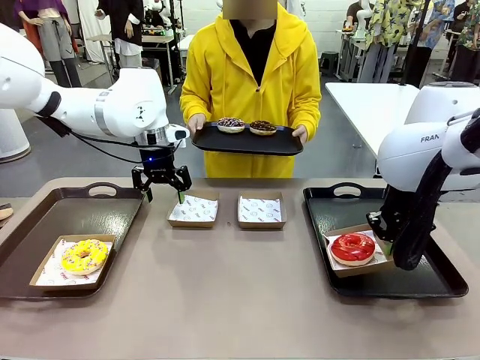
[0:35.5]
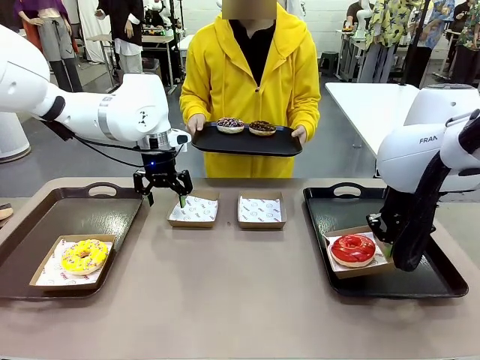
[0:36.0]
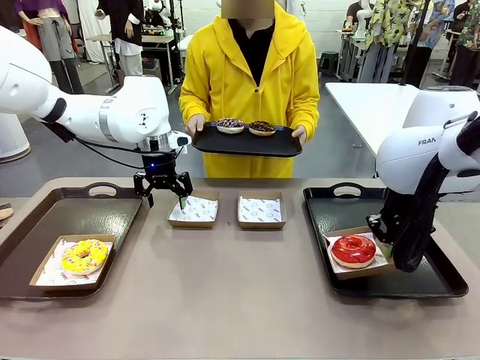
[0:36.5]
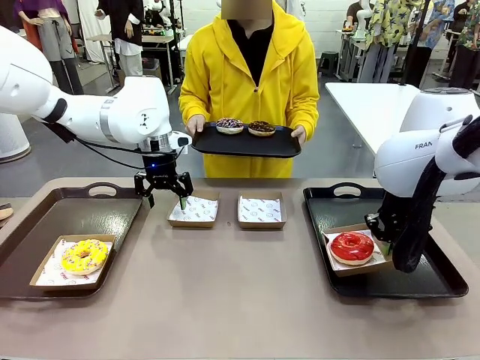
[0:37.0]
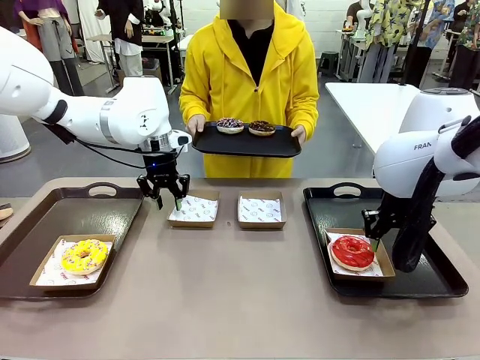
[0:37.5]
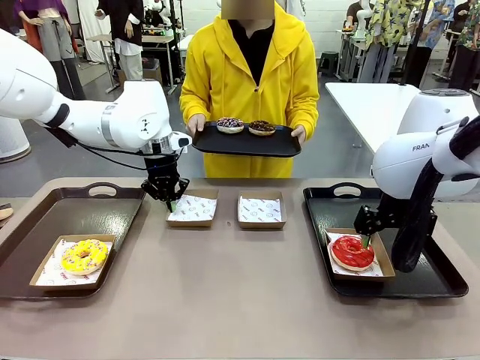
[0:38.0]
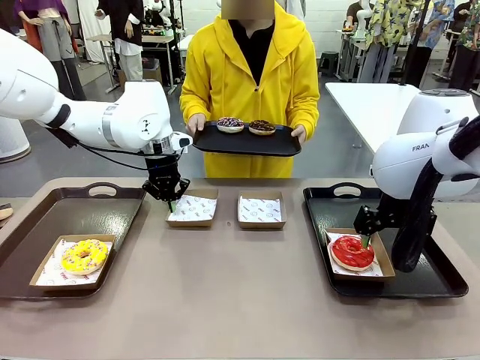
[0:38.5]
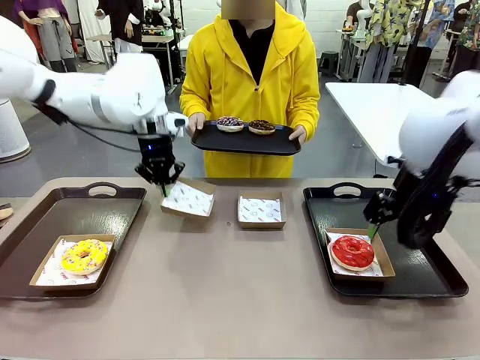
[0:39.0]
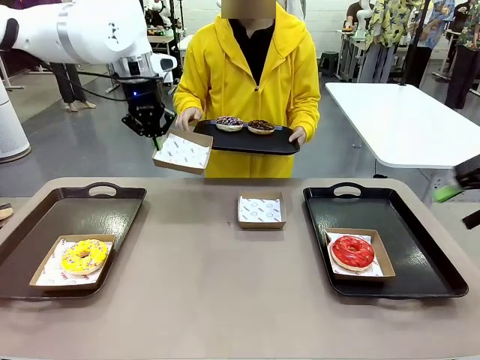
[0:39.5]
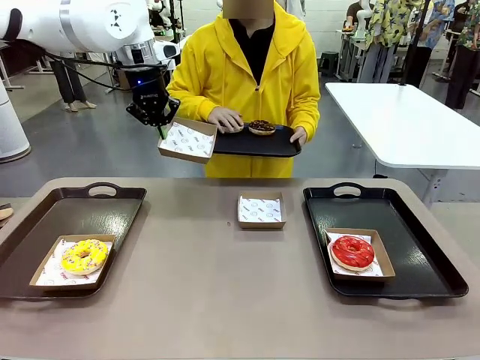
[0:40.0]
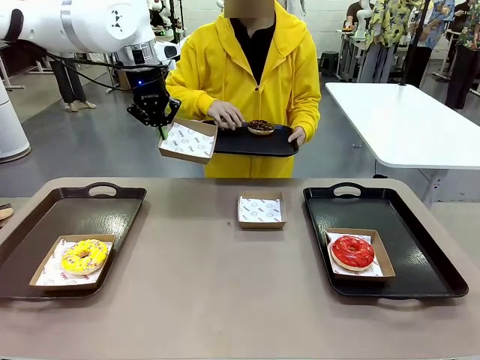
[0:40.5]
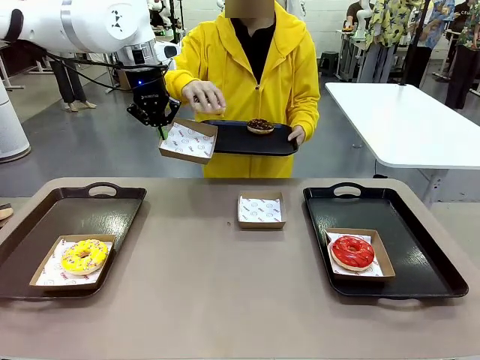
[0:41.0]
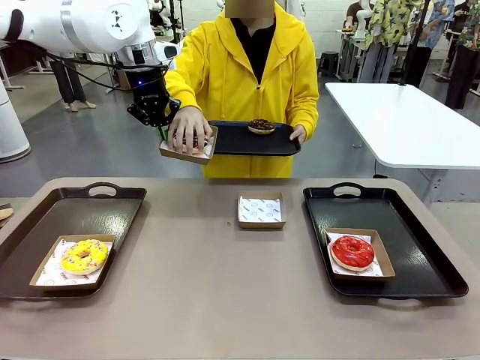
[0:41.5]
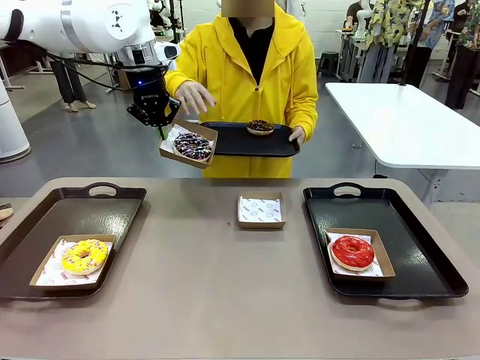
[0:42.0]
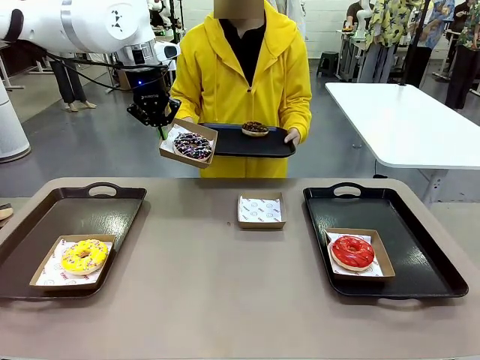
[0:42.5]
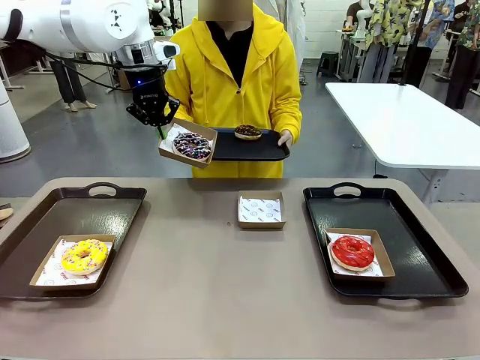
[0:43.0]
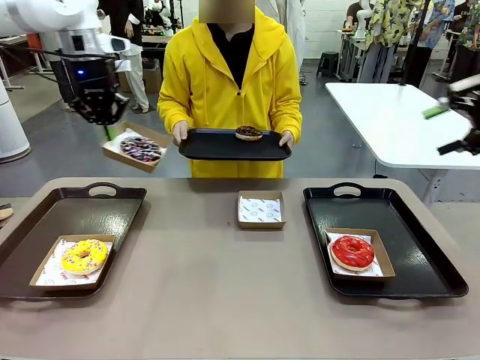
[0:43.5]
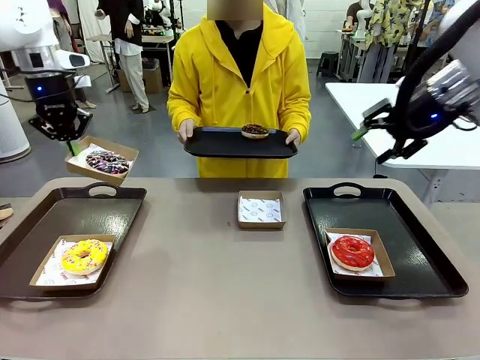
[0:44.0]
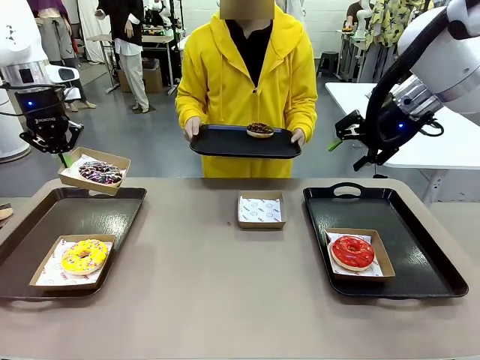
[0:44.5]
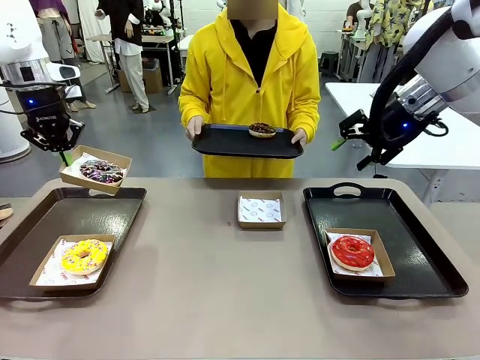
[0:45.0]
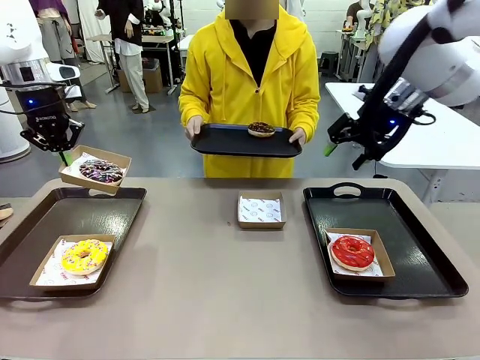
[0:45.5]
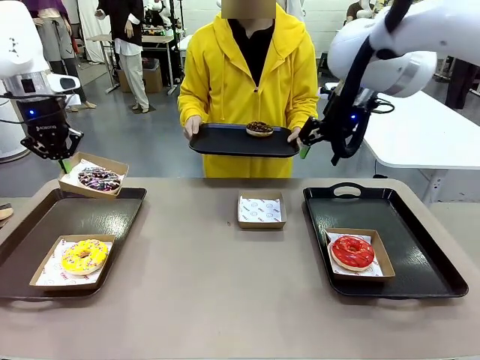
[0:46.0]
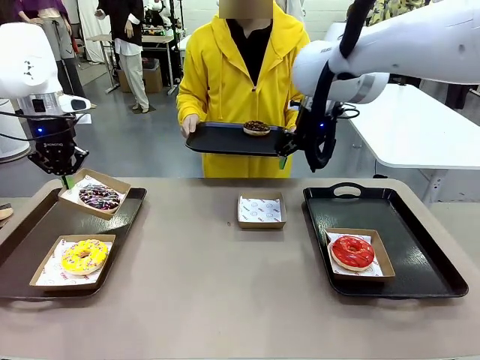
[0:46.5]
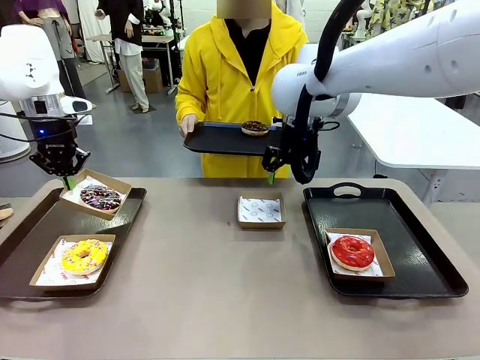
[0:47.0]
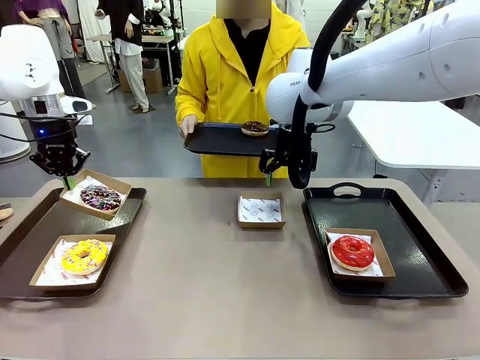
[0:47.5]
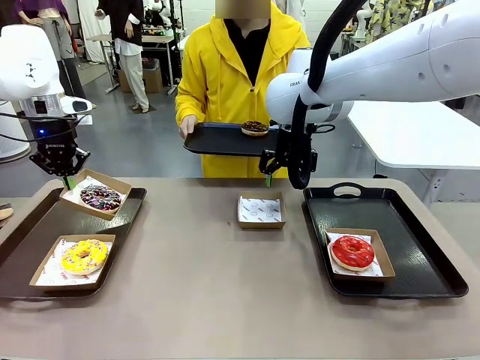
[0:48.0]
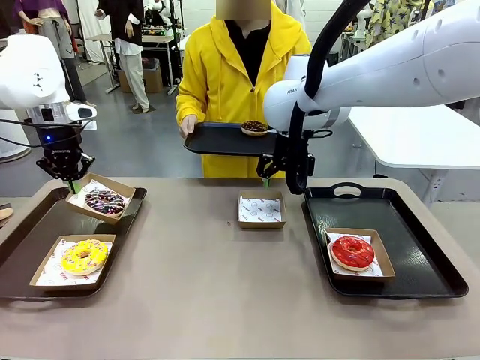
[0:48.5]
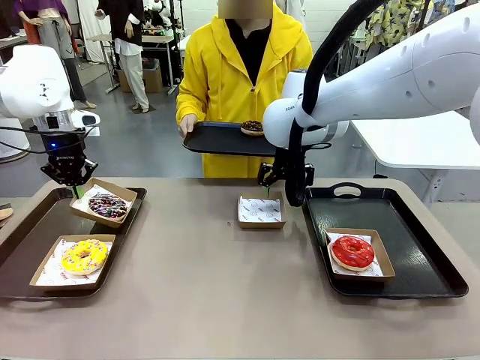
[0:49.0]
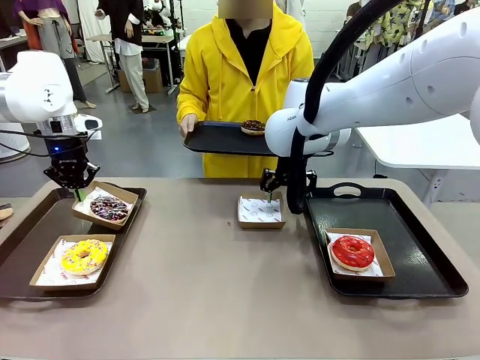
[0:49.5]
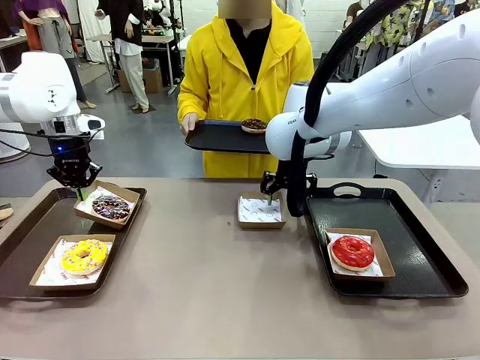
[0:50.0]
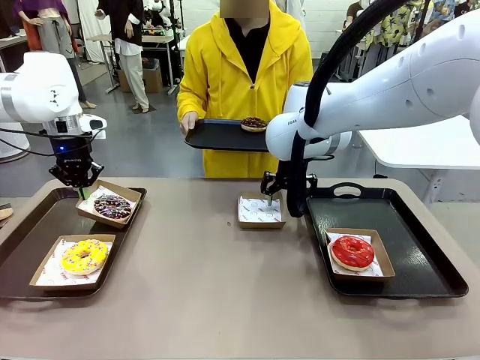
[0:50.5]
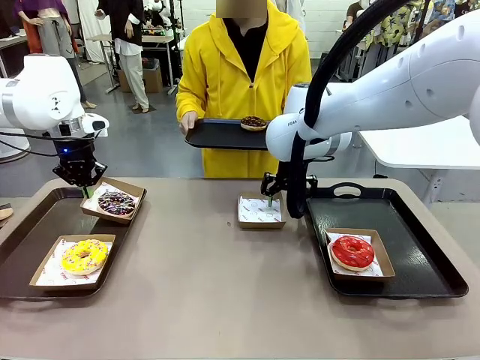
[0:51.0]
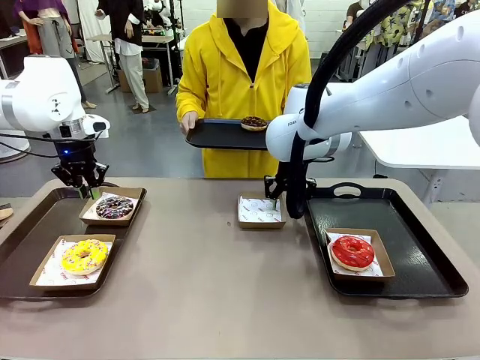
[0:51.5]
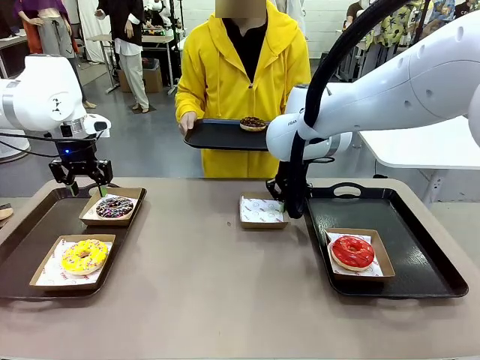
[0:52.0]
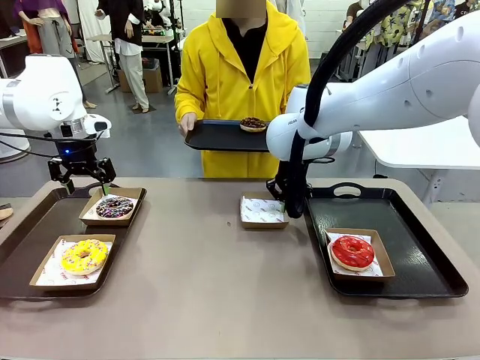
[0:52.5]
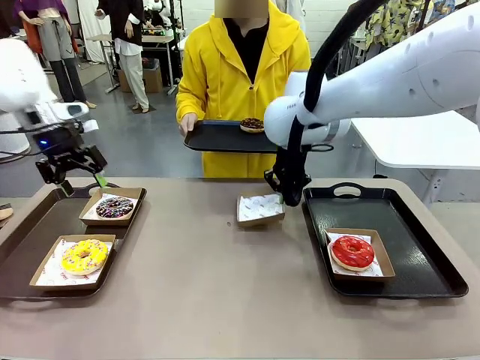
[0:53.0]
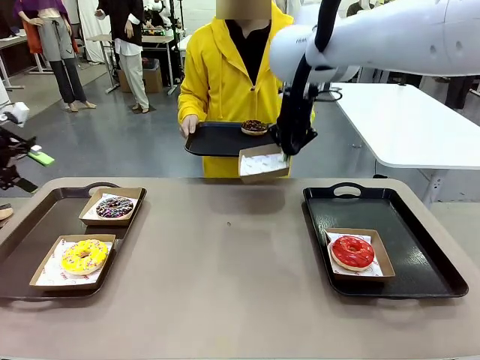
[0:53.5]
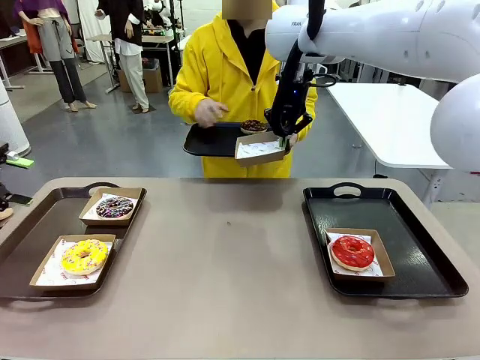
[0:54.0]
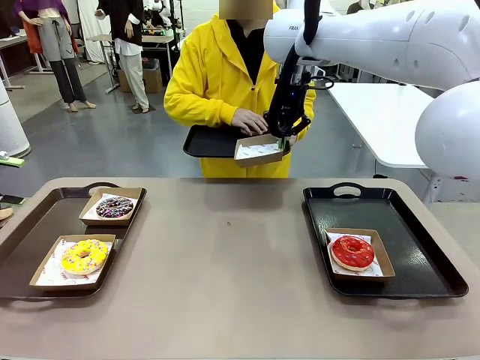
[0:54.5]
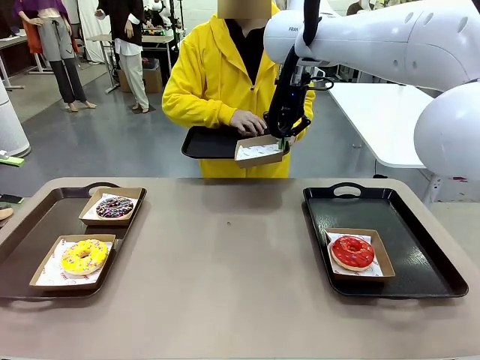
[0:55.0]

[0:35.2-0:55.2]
Task: Individually package the donuts and arrange them on the tray.
Robot: Place the picked Paper togo box on the Handle tray while simultaneously picking up another Paper togo box from the table with the other hand.

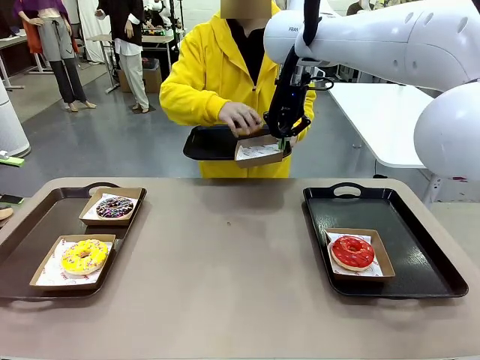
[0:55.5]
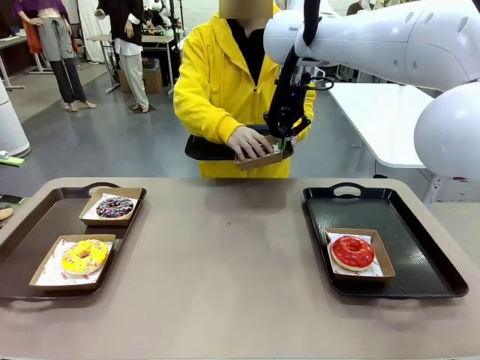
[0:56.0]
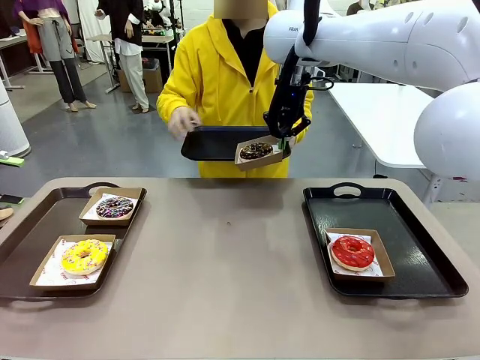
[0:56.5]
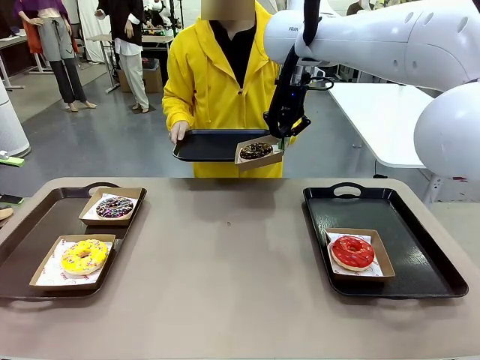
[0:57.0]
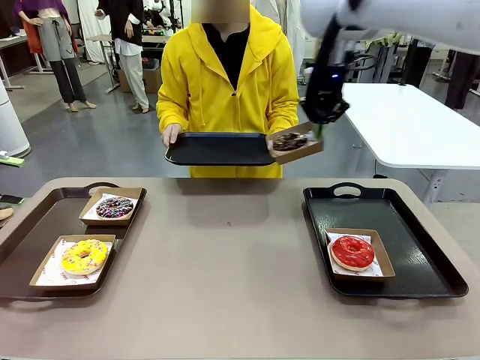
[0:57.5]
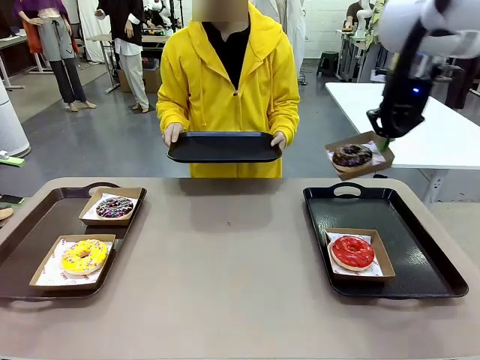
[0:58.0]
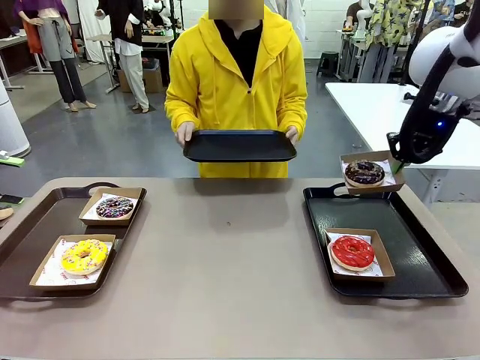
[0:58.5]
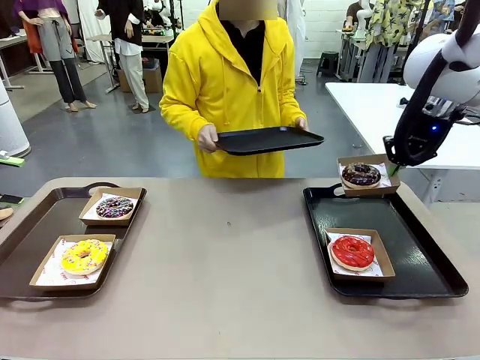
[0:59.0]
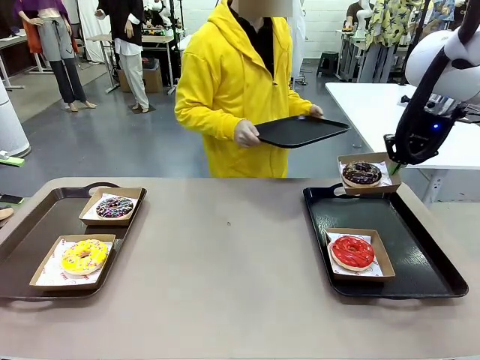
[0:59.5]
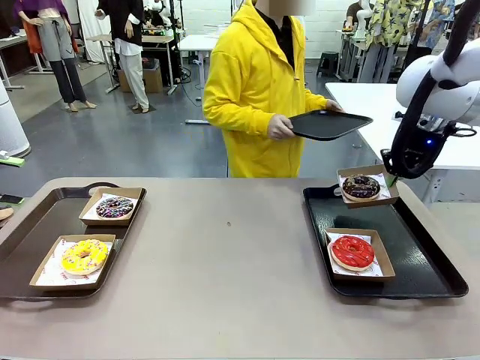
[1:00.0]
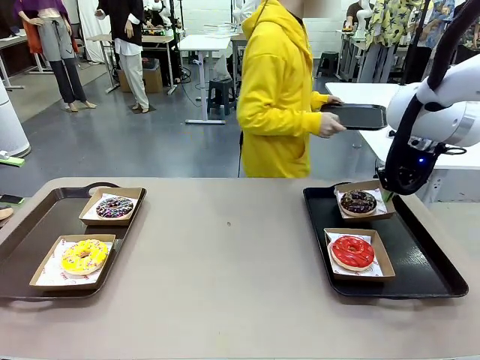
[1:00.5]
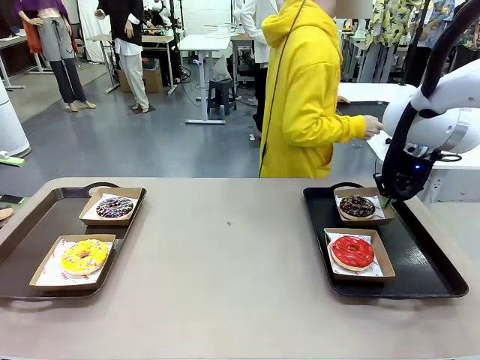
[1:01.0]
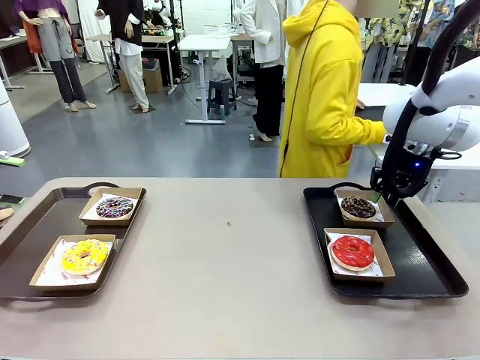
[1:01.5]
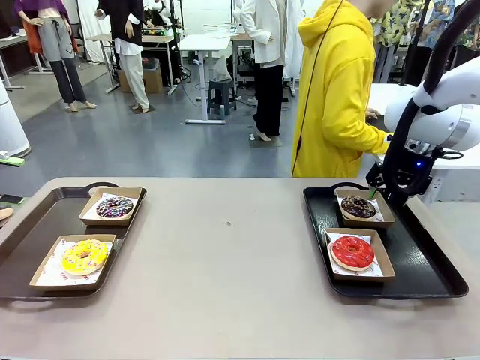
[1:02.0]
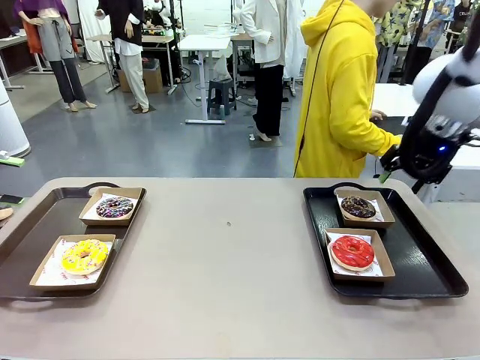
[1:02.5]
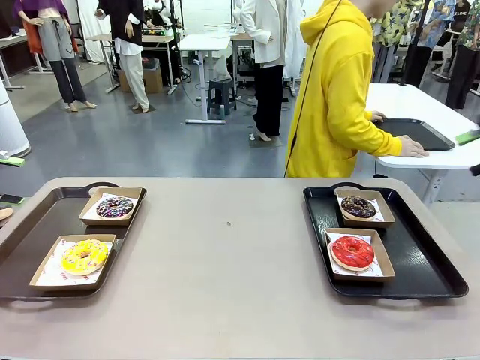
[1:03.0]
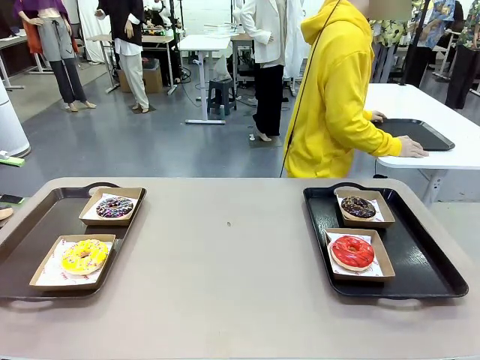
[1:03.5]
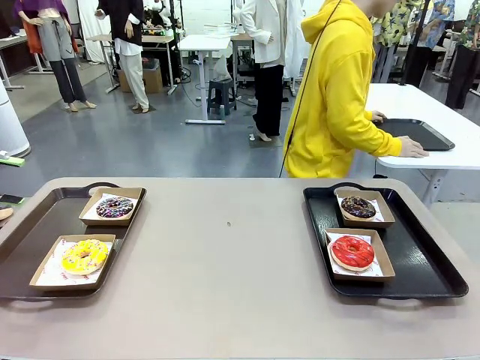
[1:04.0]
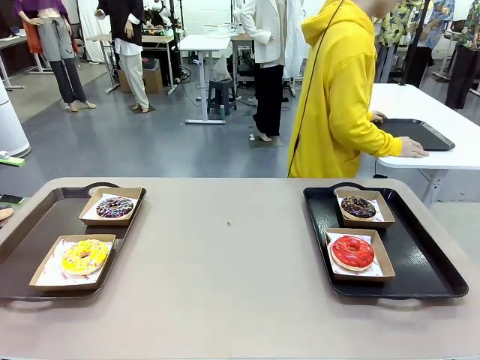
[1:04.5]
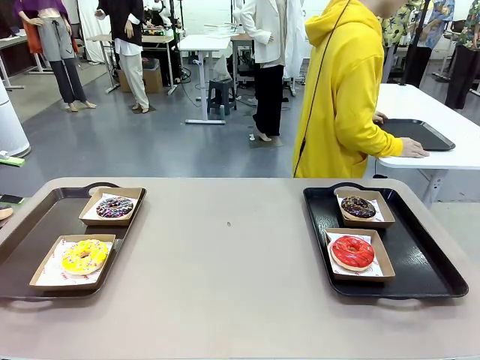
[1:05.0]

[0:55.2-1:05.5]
Robot: Place the picked Paper togo box on the Handle tray.
Person: Place the tray down in the middle of the human table.
